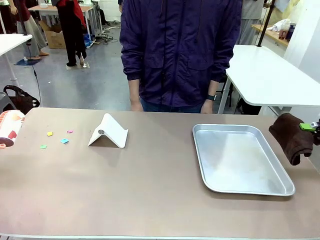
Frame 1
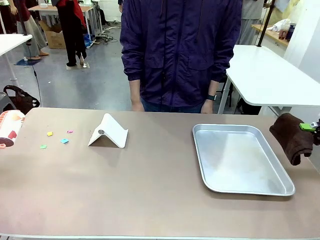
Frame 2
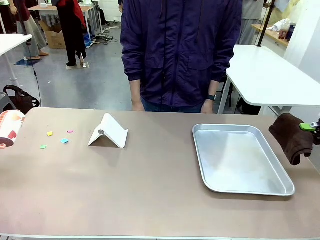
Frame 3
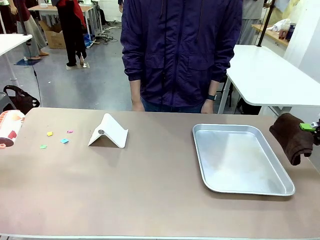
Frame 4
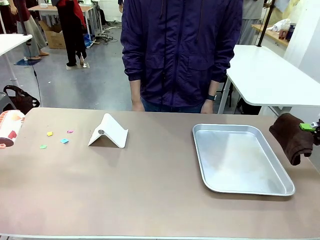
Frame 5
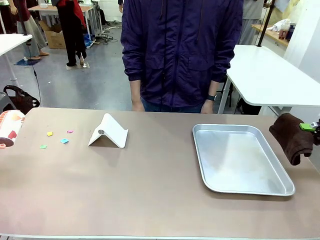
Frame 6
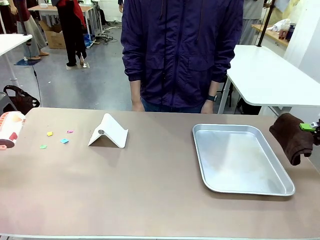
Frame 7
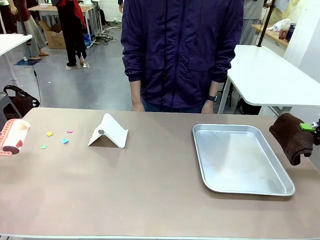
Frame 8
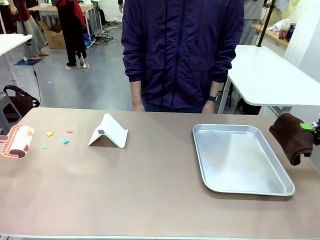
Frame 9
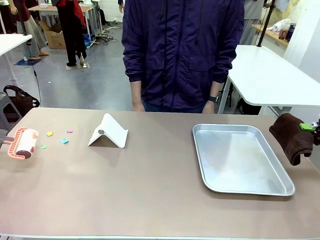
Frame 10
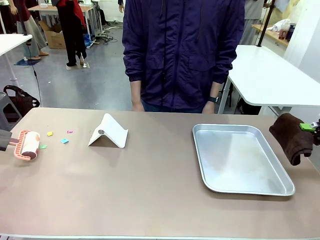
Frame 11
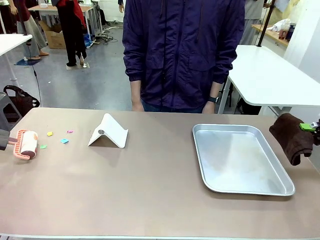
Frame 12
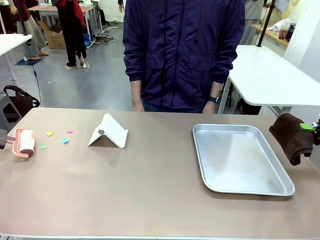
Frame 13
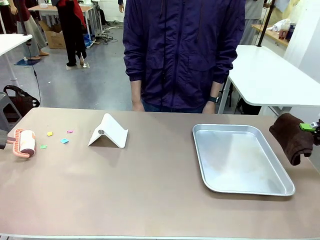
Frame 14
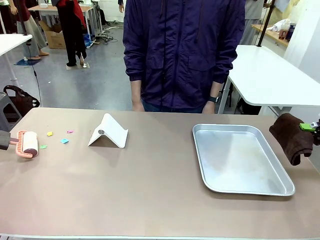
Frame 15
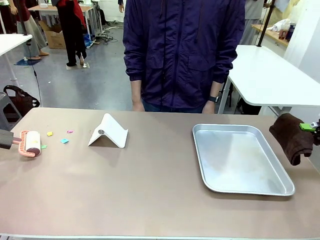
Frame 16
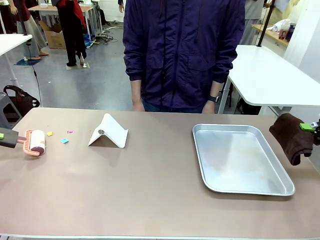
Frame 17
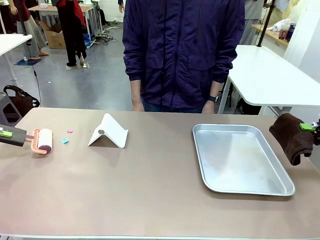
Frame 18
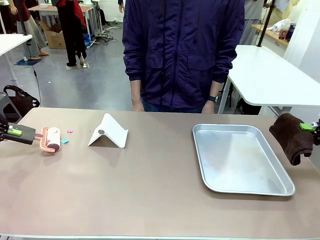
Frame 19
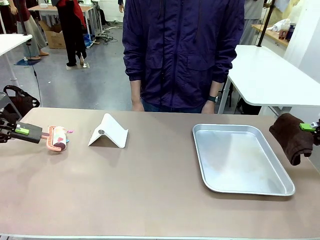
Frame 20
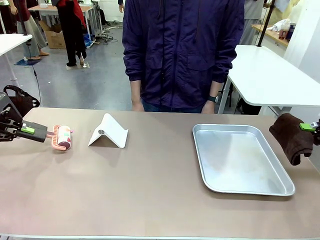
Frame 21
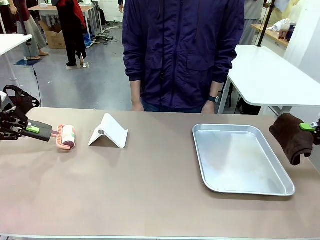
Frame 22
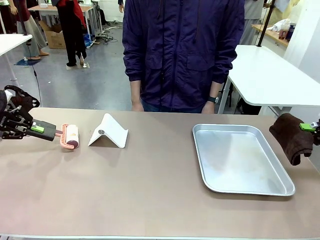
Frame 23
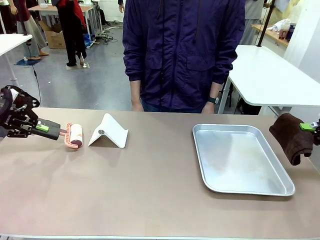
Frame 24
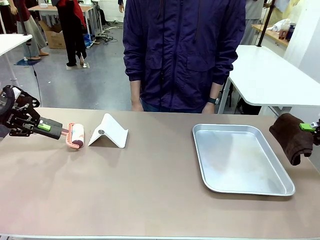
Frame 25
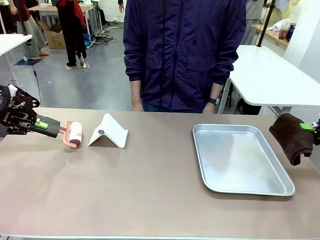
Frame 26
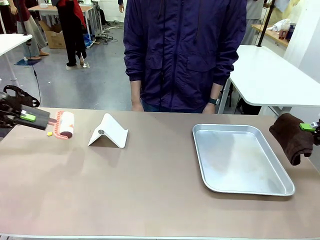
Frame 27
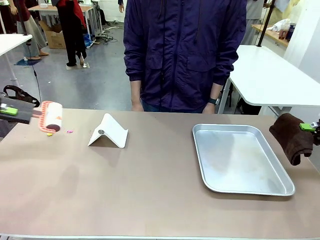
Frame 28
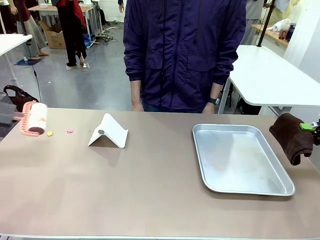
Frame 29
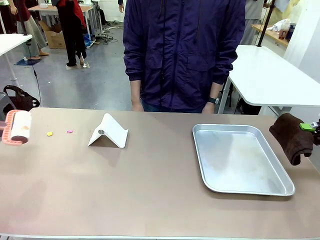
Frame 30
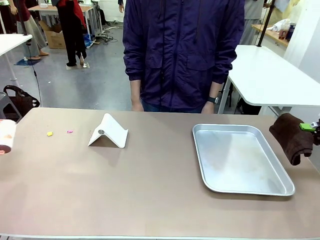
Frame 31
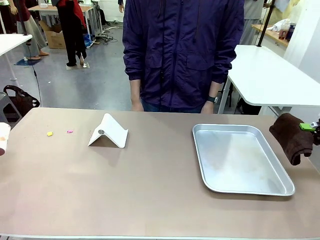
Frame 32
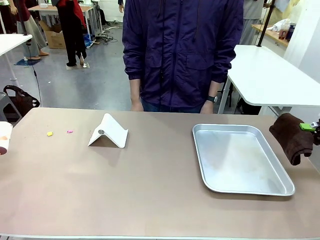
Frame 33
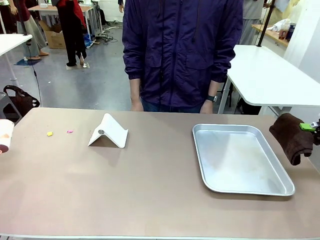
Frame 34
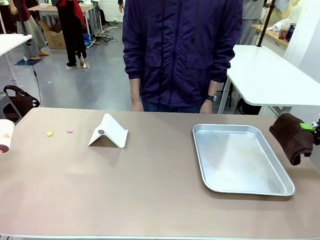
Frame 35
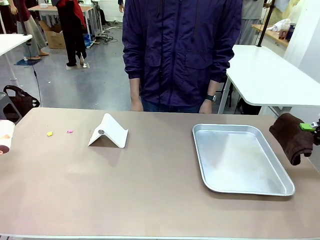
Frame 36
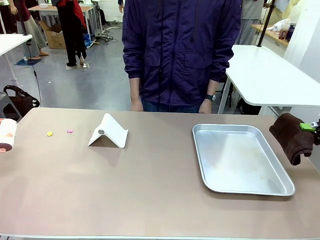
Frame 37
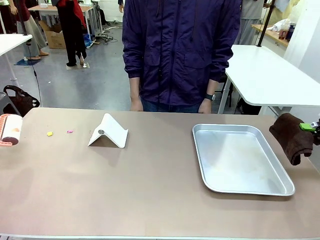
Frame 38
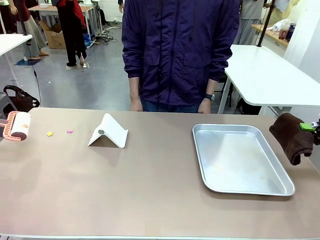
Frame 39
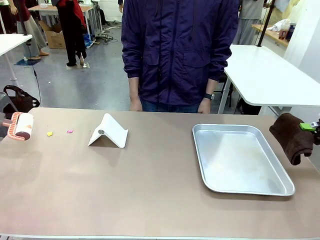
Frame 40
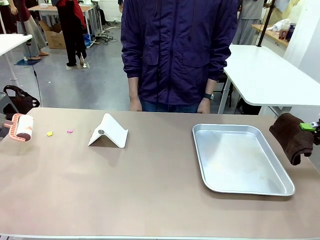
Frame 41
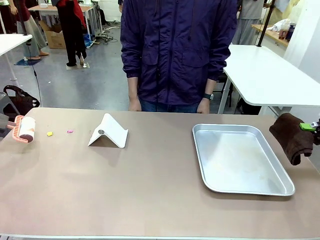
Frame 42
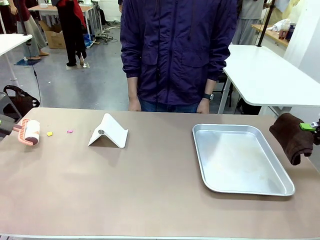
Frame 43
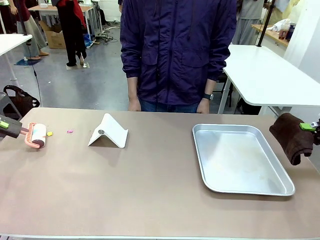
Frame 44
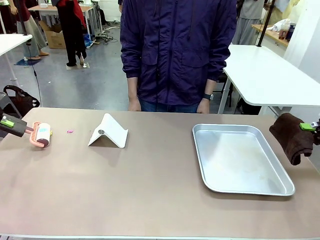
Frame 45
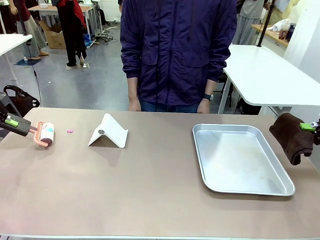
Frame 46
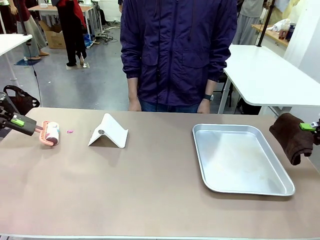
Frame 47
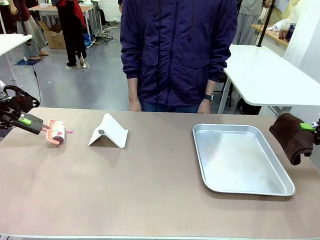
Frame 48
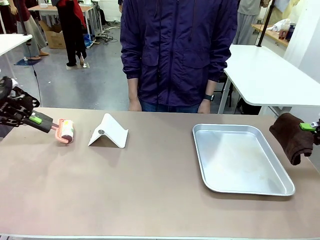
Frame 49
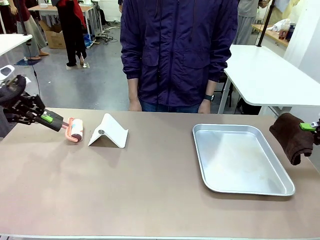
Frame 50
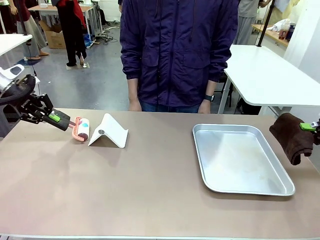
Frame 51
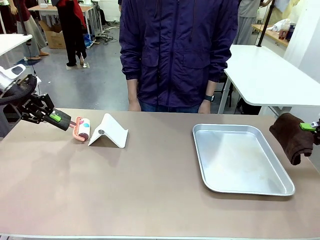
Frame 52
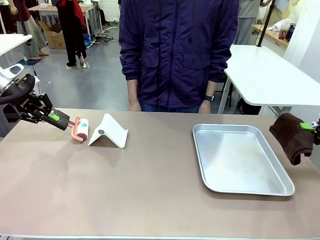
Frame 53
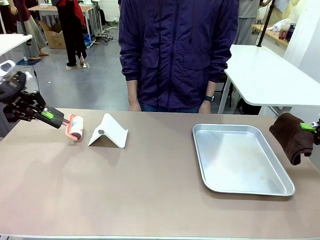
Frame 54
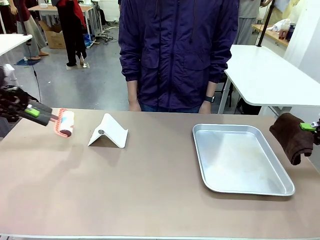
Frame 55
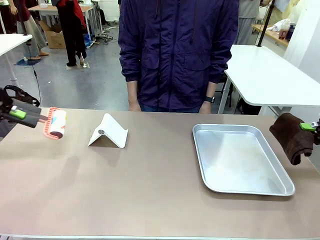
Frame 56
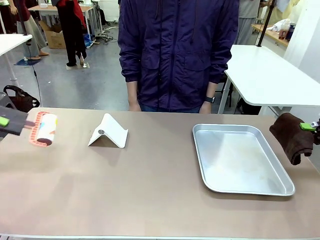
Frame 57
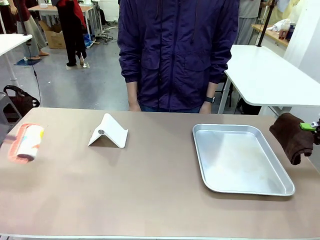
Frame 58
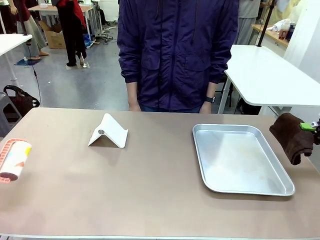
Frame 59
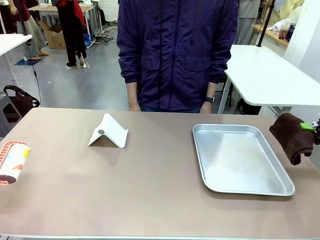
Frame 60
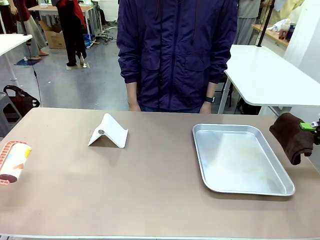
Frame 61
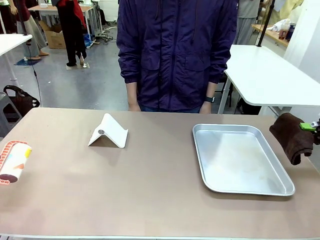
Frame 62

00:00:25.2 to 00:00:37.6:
Task: Clean the surface of the table.
Robot: Clean the area not pointed to by the person.

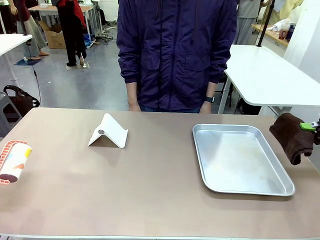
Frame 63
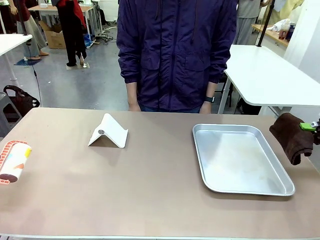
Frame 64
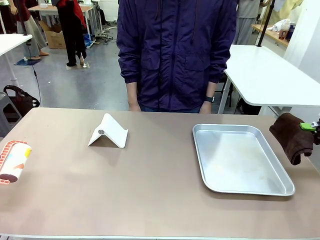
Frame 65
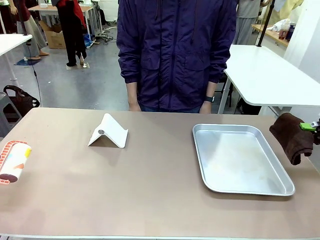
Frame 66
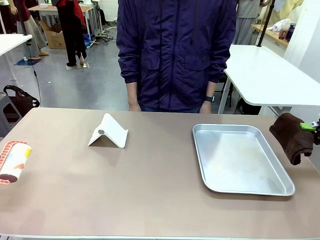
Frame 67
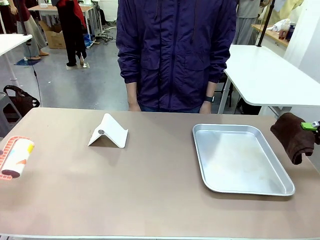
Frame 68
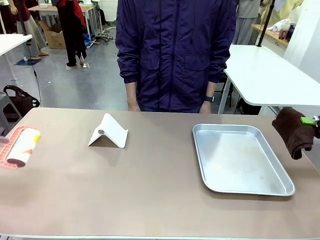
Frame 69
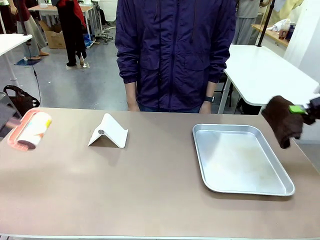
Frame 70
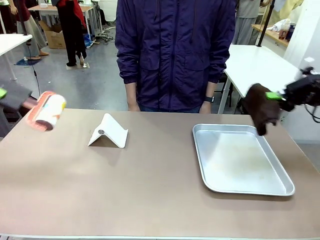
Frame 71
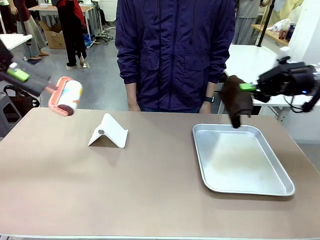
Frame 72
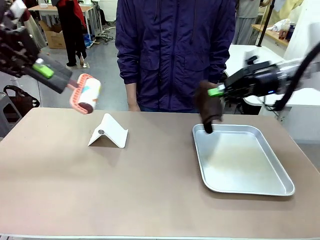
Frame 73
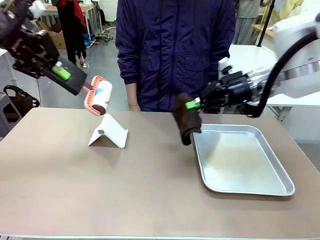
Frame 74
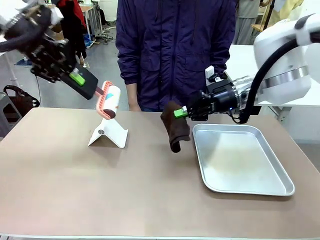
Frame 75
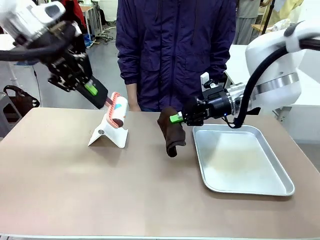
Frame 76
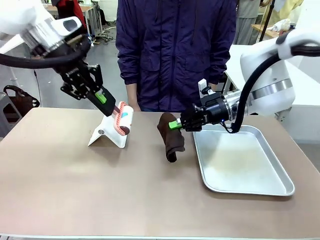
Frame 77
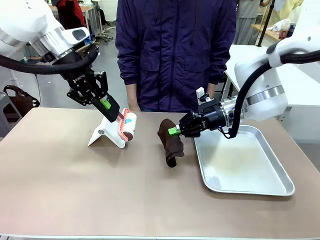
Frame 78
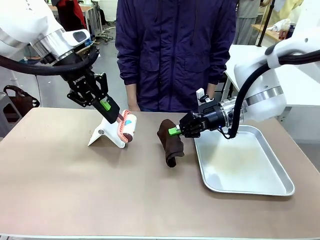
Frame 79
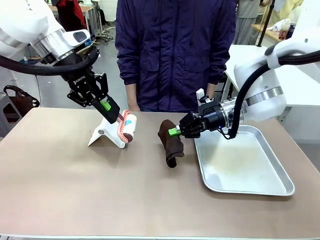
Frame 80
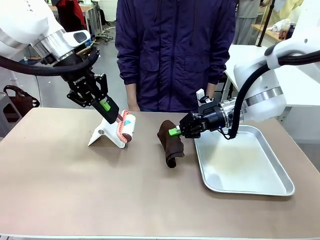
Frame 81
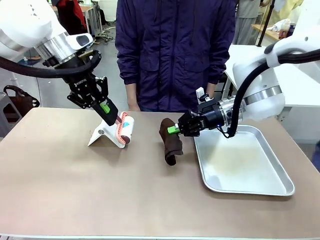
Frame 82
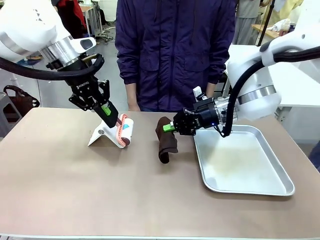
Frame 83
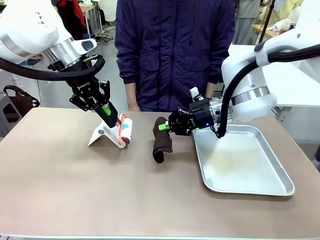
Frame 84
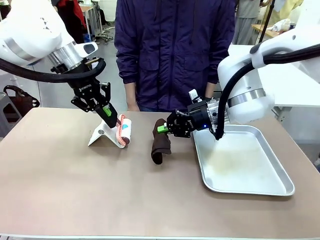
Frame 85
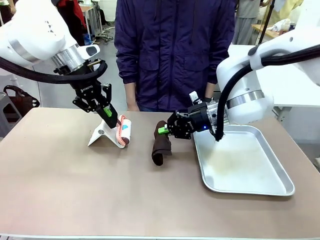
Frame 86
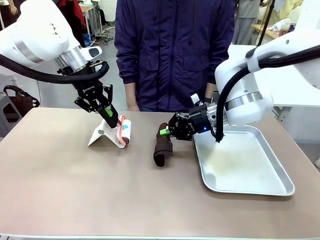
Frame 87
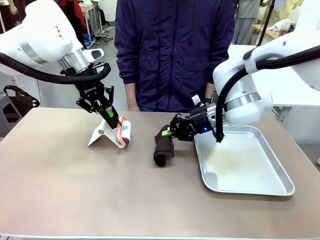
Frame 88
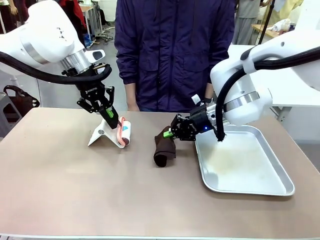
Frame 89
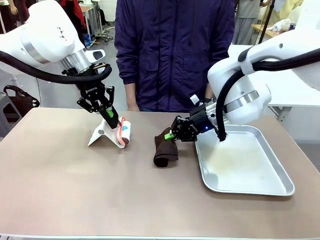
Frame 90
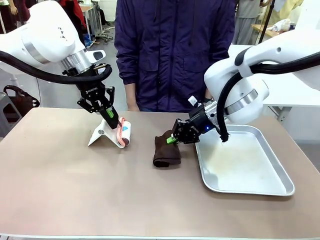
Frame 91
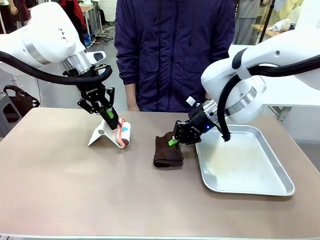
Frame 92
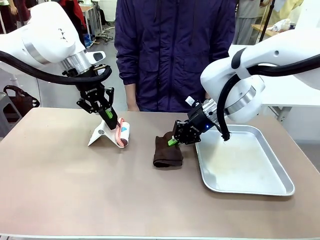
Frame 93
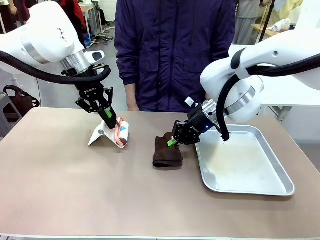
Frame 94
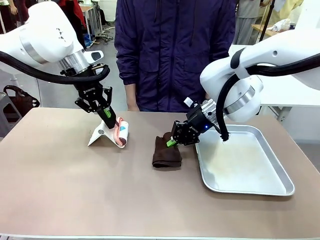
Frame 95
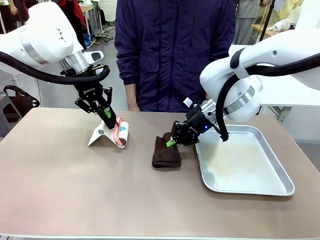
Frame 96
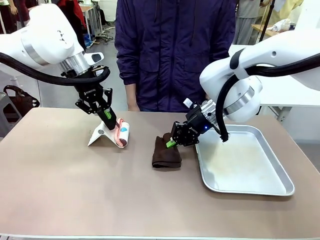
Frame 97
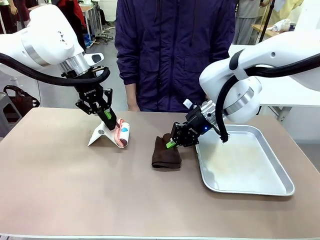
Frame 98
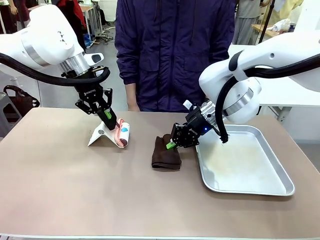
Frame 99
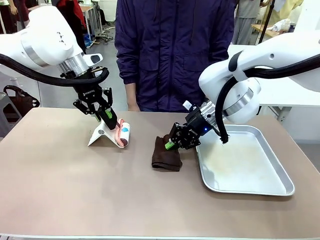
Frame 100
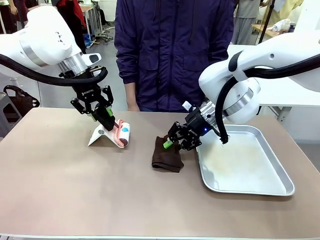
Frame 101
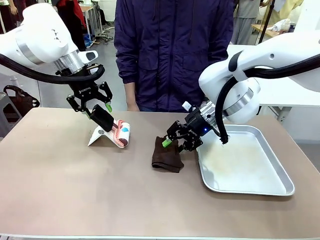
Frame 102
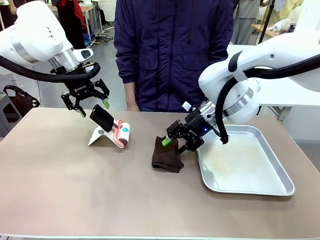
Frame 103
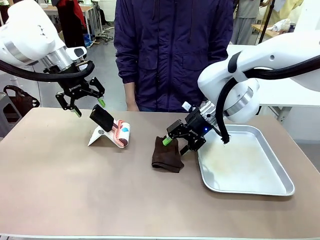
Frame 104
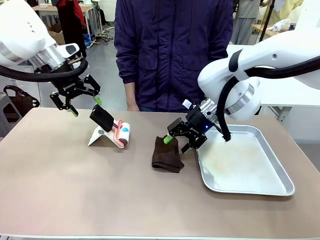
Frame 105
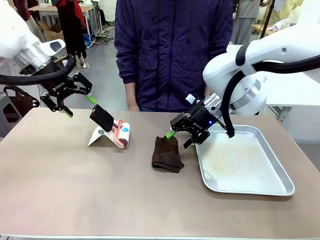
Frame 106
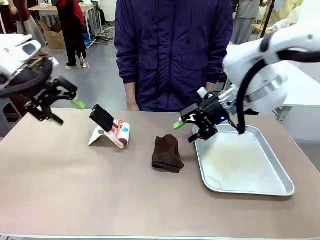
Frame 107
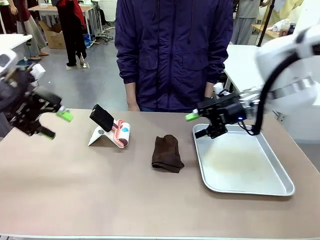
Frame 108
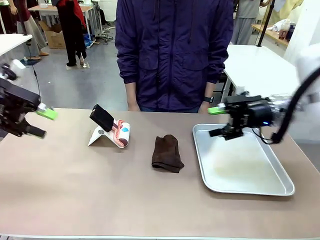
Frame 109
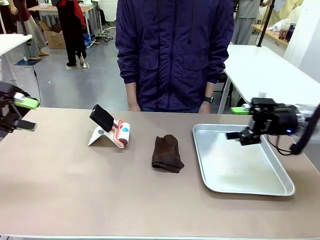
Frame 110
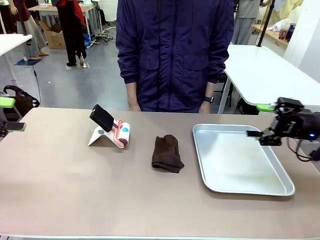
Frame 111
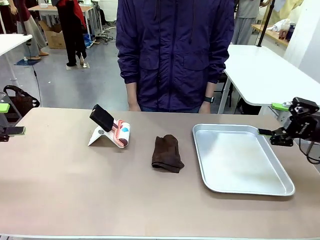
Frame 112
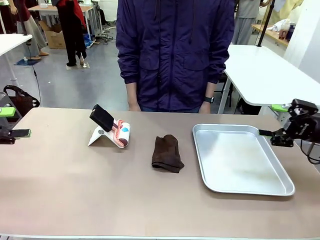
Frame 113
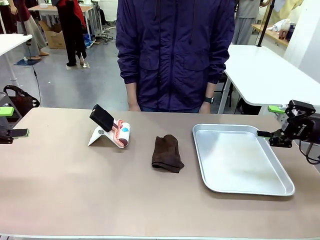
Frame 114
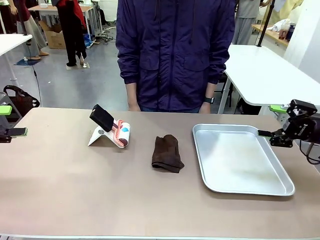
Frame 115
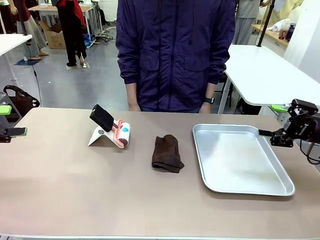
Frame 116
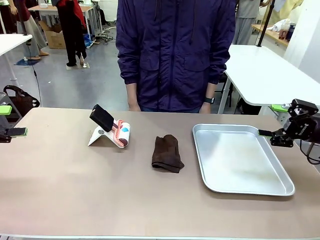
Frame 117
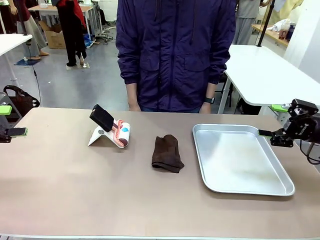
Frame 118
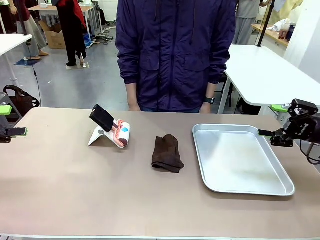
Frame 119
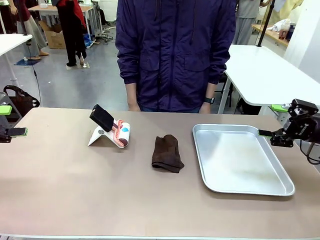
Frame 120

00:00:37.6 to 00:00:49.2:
Robot: Return the Lint Roller and towel to their original positions.
